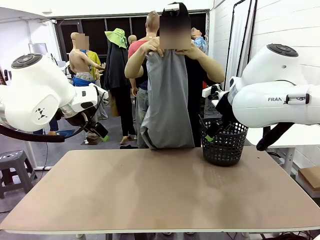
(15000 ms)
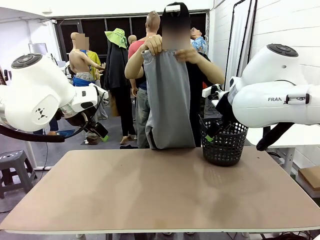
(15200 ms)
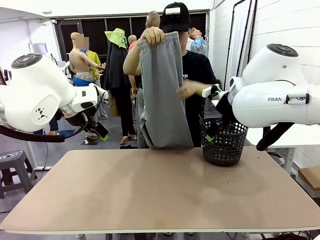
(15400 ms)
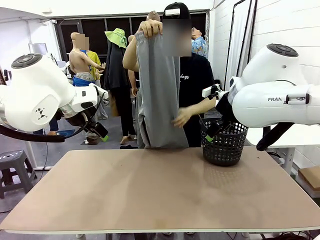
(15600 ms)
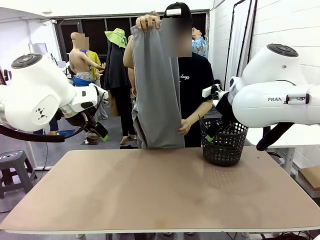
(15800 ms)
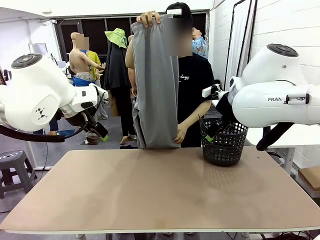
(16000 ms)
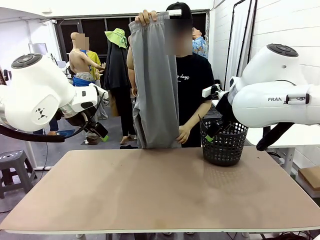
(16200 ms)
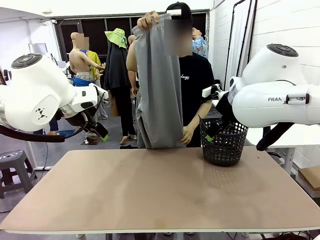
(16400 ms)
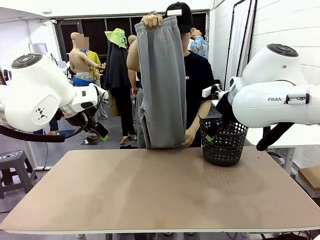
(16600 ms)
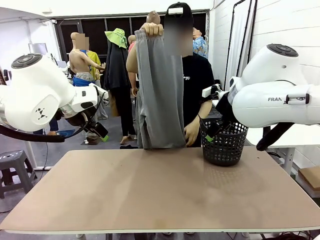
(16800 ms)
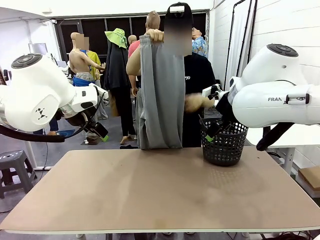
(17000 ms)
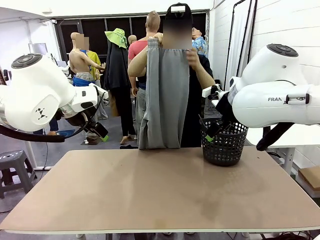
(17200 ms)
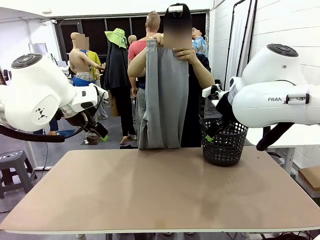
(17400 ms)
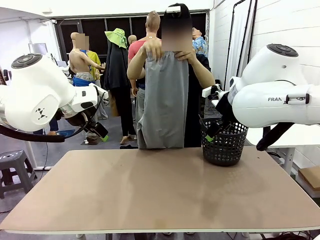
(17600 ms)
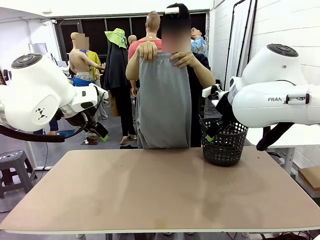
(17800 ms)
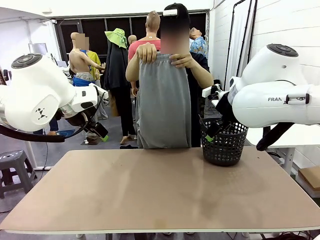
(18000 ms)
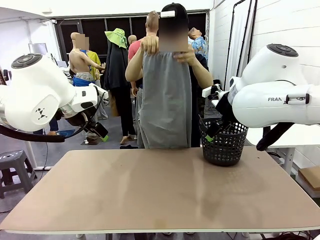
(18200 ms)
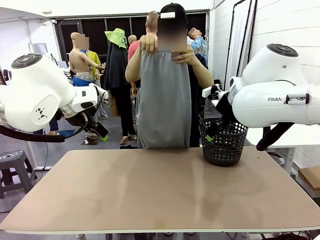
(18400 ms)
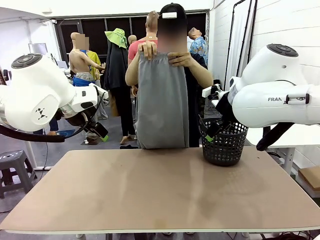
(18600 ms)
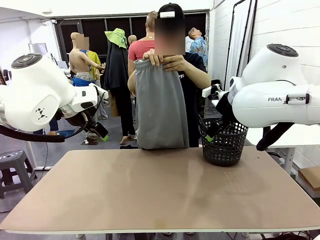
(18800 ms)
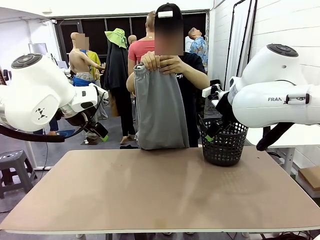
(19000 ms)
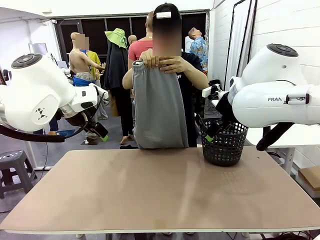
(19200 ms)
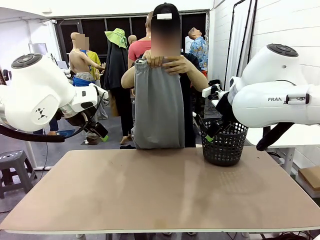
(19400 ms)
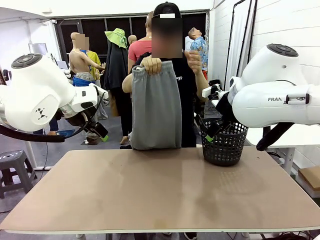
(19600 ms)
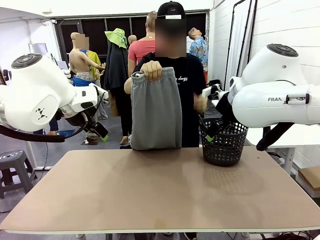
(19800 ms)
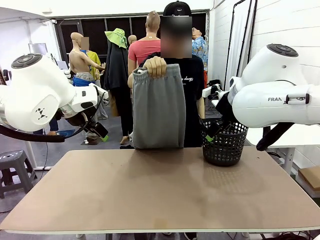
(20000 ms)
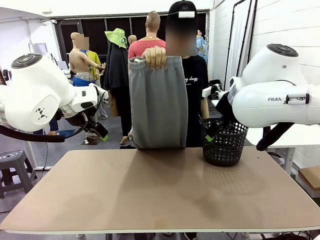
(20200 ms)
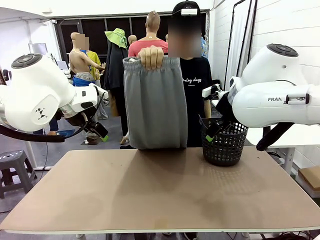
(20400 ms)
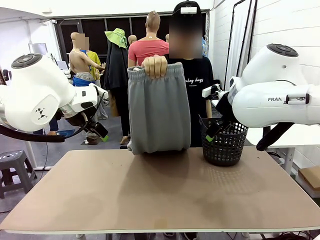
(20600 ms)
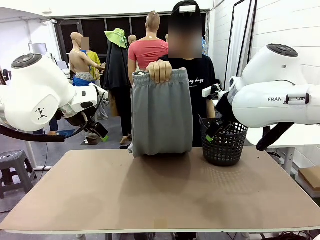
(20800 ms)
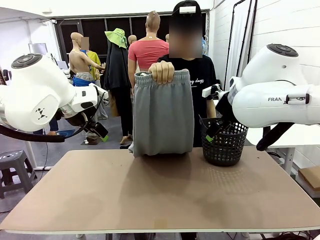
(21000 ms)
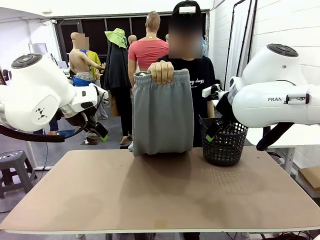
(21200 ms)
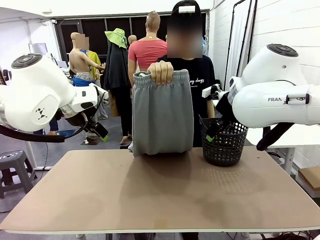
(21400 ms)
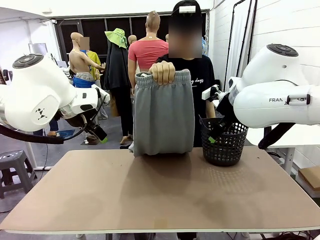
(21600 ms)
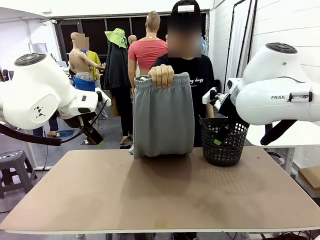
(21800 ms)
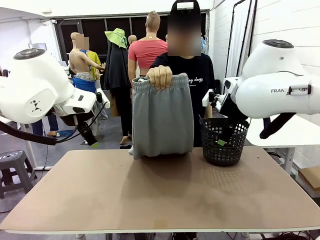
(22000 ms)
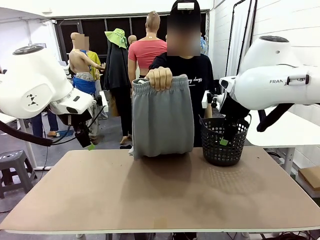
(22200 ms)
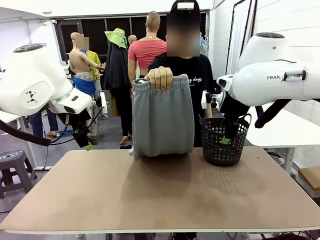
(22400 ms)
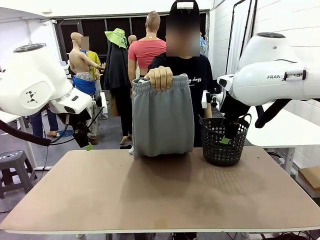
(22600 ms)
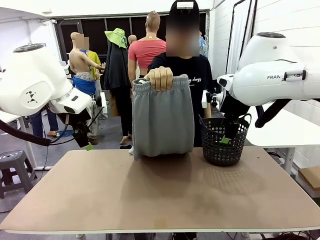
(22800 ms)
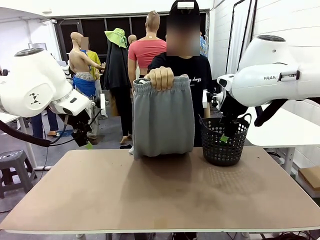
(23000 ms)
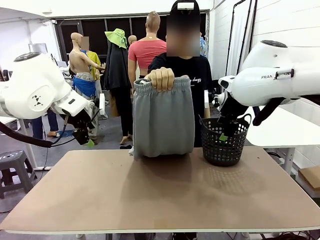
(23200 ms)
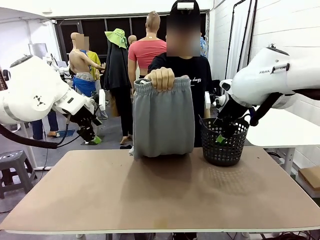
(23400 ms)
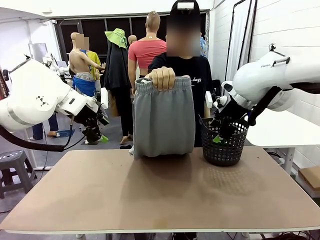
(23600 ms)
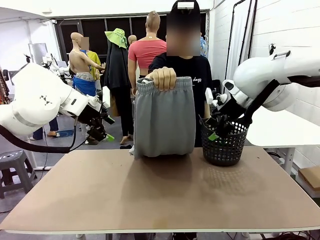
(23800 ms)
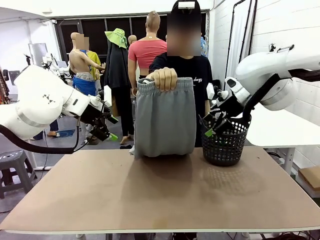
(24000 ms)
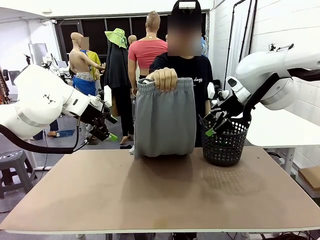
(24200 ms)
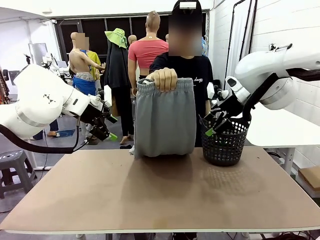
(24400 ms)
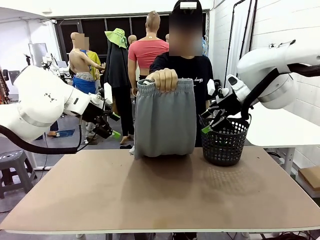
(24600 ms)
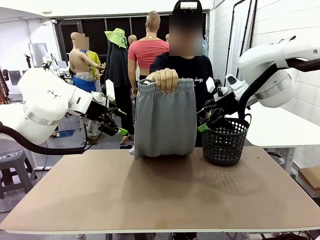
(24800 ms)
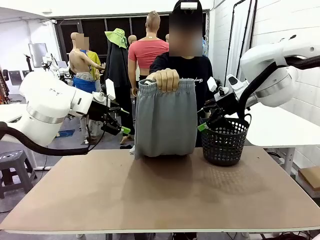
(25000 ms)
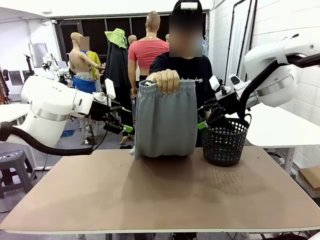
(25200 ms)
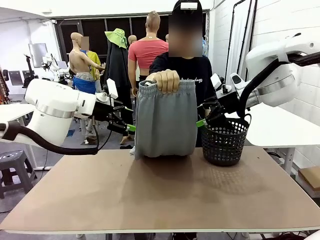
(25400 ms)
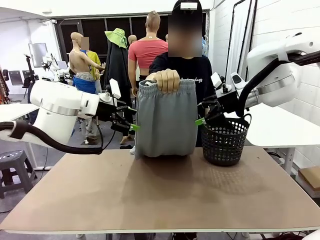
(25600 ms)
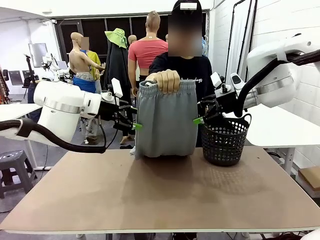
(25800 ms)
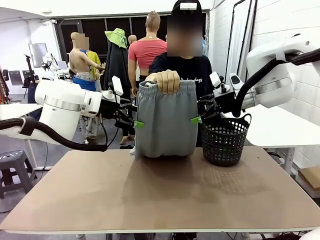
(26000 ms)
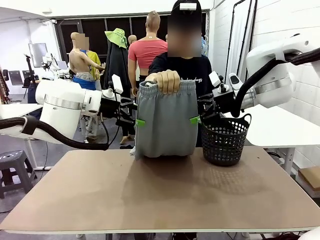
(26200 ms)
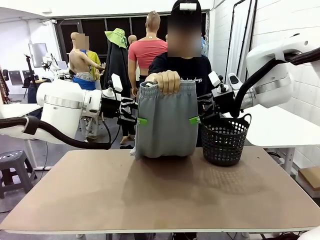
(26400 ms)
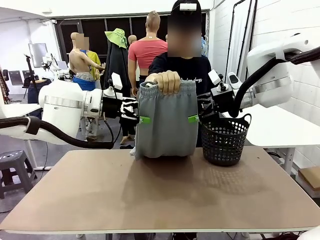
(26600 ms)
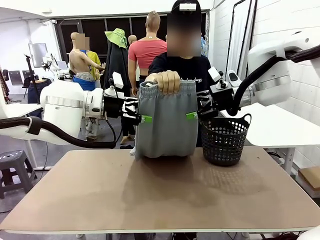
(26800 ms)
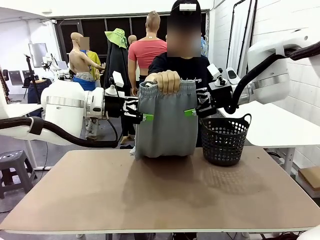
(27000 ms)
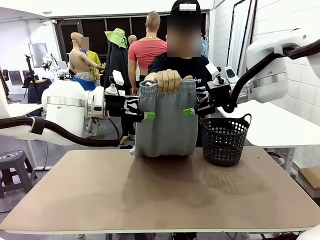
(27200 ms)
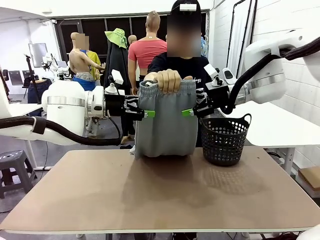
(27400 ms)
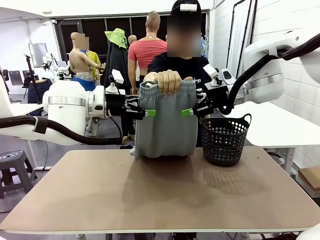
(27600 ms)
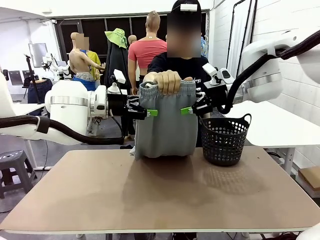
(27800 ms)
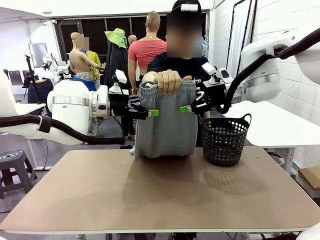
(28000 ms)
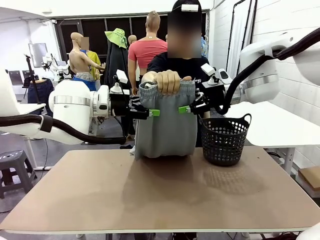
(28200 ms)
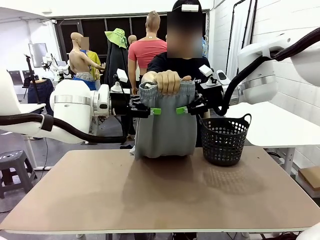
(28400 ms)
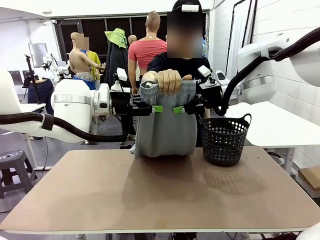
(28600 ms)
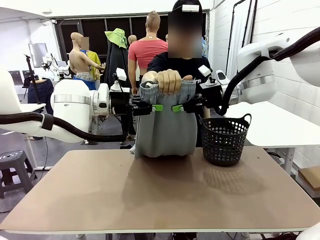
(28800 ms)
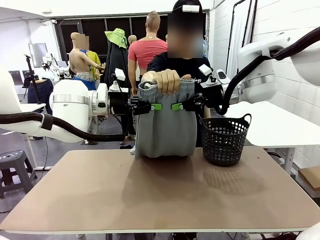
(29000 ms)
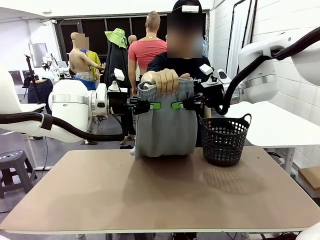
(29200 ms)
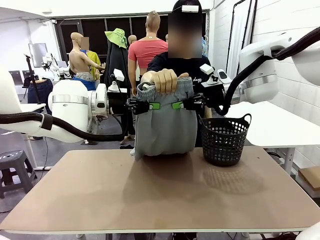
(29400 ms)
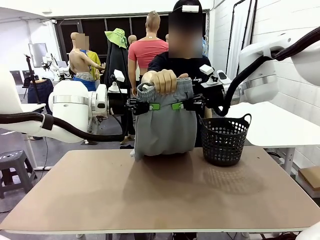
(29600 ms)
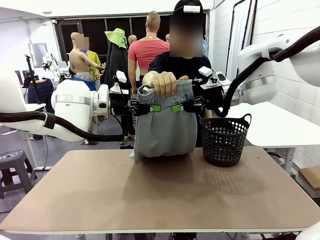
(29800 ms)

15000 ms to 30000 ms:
Task: Fold the training pants.
Robot: Grab both ends of the Training pants handed by a person.
